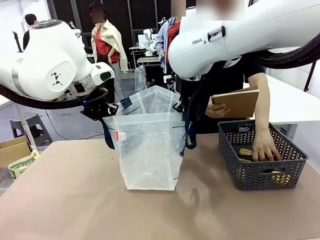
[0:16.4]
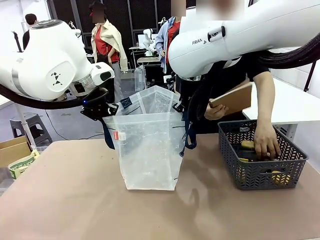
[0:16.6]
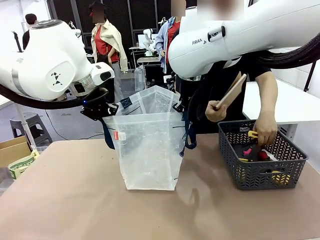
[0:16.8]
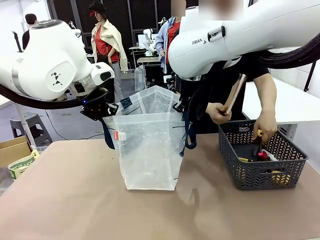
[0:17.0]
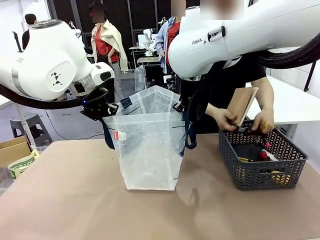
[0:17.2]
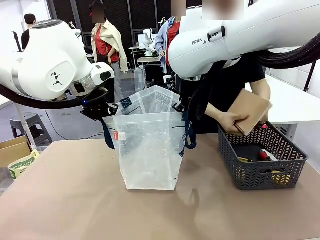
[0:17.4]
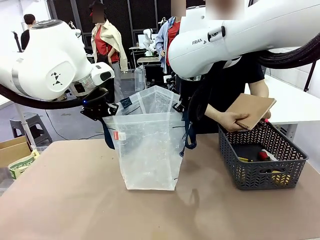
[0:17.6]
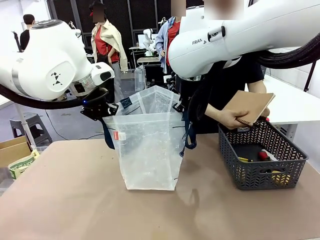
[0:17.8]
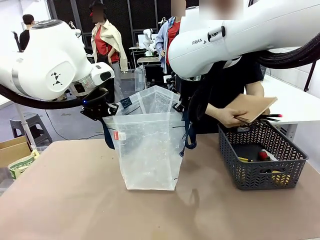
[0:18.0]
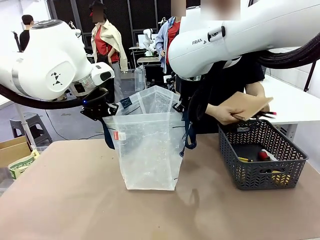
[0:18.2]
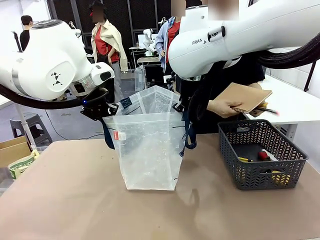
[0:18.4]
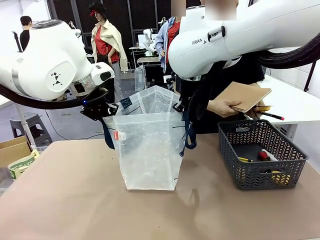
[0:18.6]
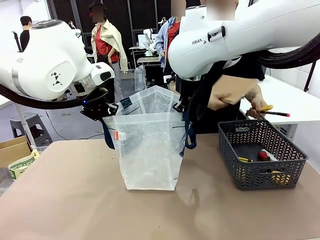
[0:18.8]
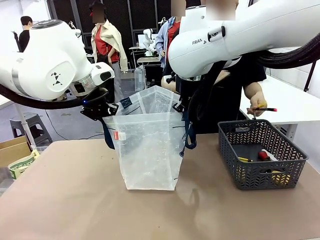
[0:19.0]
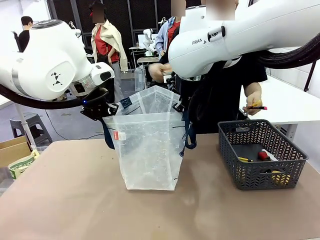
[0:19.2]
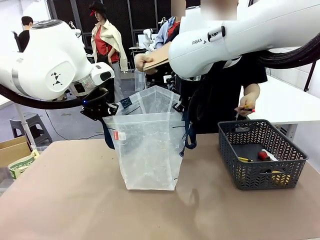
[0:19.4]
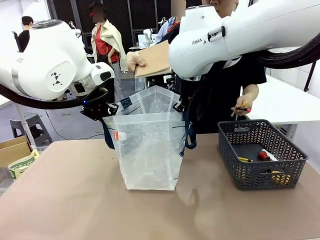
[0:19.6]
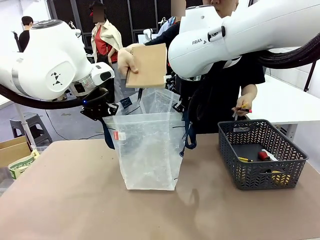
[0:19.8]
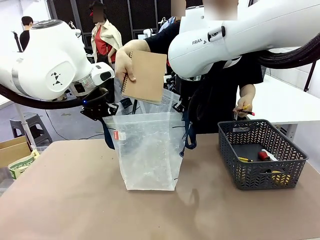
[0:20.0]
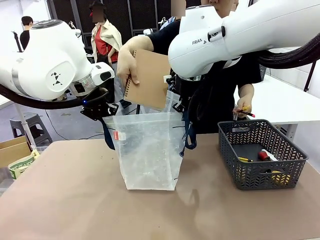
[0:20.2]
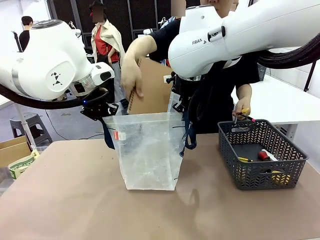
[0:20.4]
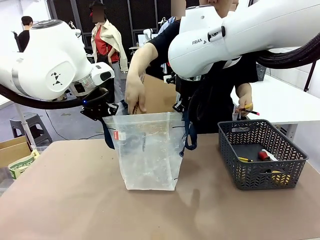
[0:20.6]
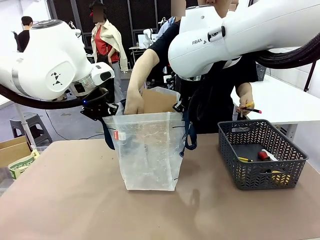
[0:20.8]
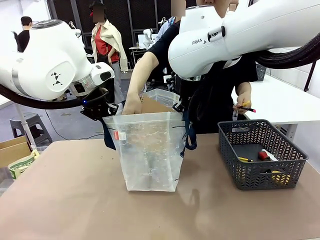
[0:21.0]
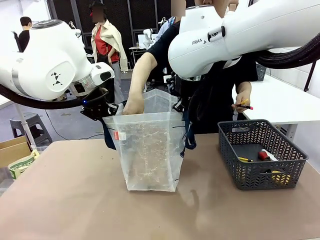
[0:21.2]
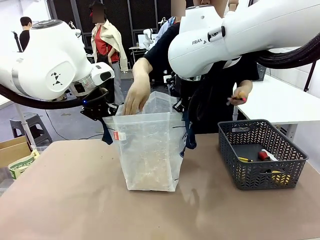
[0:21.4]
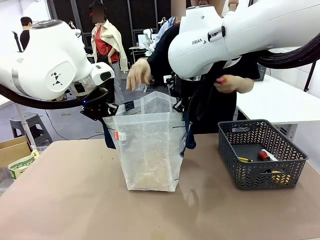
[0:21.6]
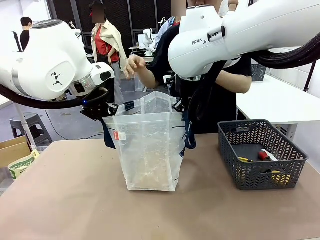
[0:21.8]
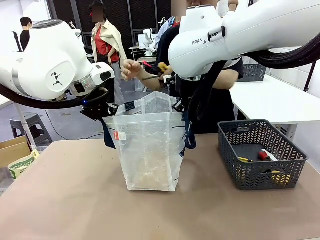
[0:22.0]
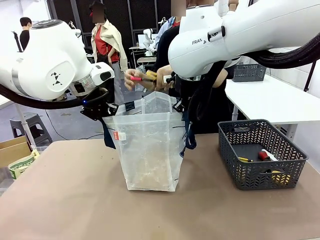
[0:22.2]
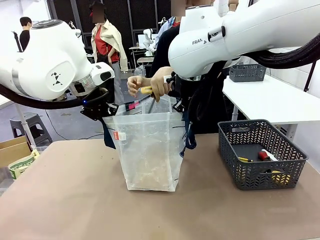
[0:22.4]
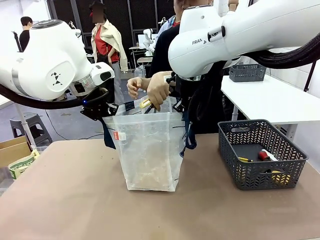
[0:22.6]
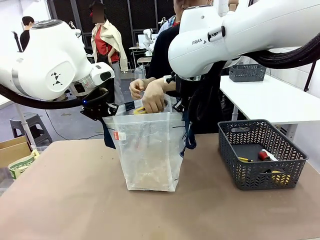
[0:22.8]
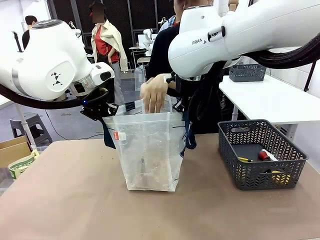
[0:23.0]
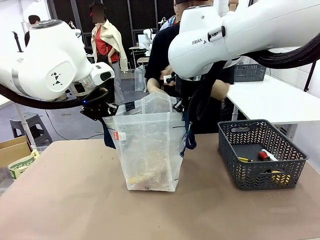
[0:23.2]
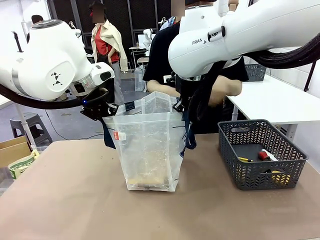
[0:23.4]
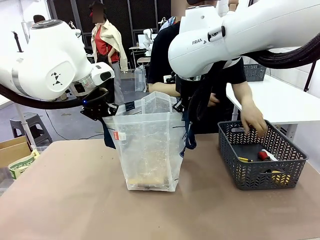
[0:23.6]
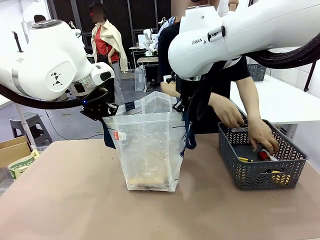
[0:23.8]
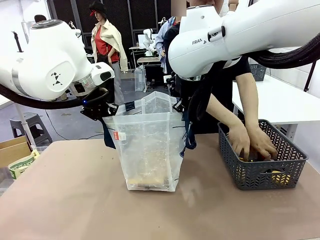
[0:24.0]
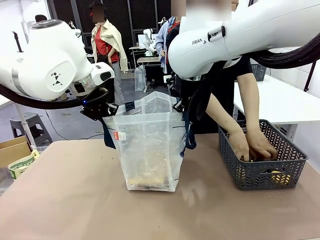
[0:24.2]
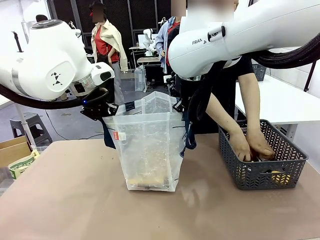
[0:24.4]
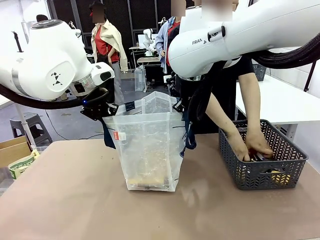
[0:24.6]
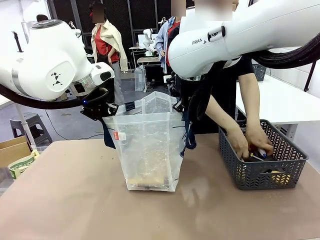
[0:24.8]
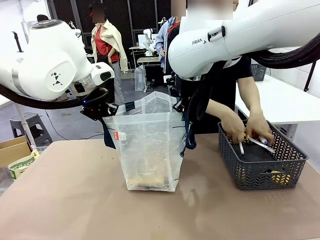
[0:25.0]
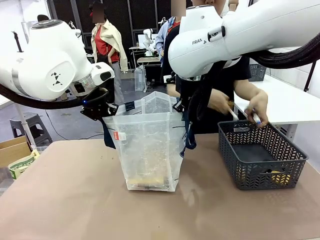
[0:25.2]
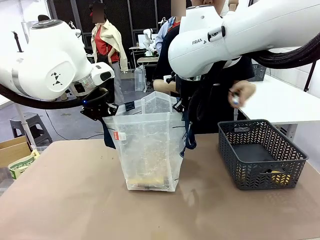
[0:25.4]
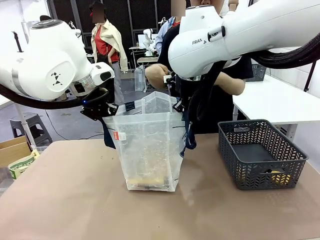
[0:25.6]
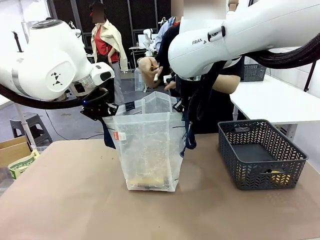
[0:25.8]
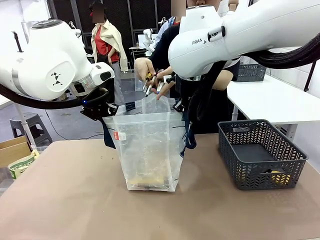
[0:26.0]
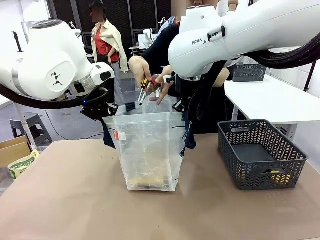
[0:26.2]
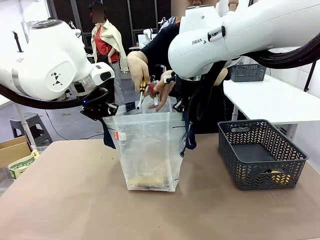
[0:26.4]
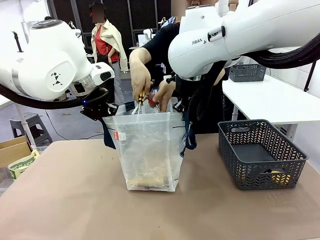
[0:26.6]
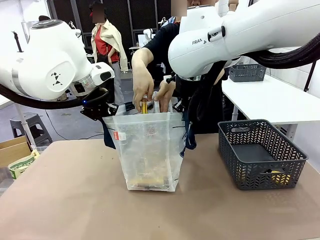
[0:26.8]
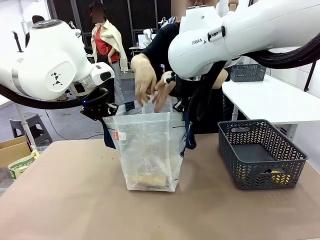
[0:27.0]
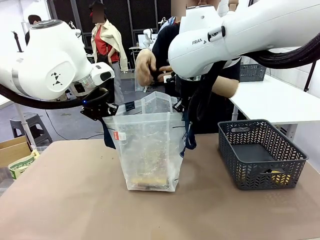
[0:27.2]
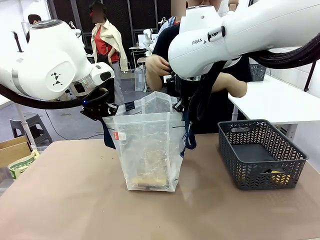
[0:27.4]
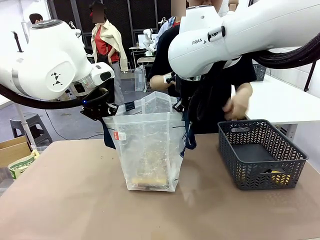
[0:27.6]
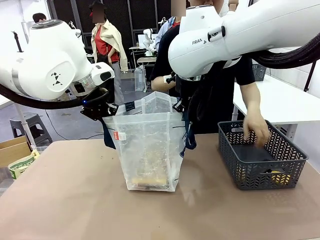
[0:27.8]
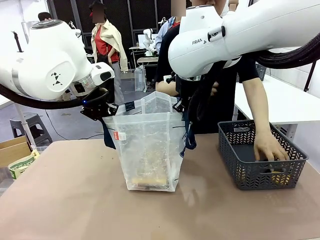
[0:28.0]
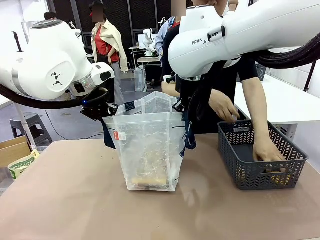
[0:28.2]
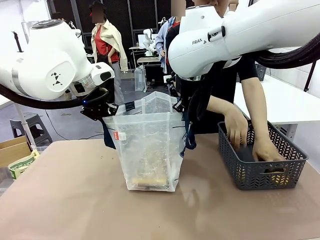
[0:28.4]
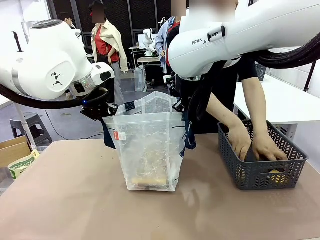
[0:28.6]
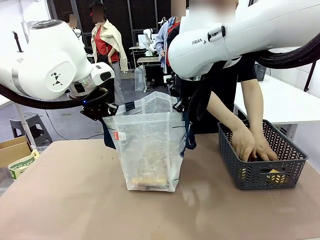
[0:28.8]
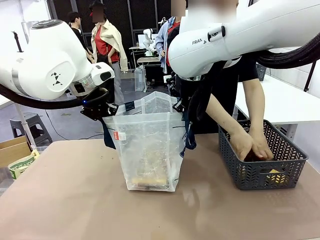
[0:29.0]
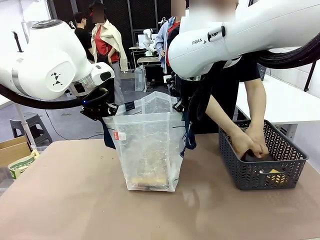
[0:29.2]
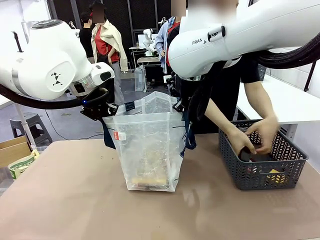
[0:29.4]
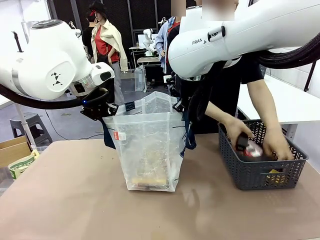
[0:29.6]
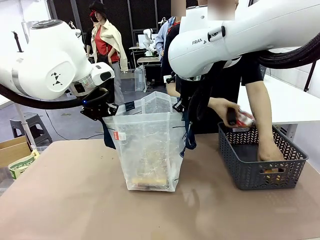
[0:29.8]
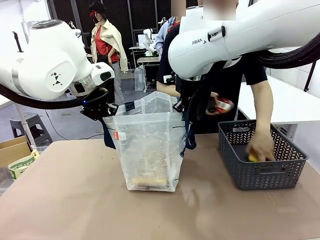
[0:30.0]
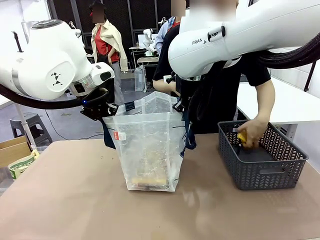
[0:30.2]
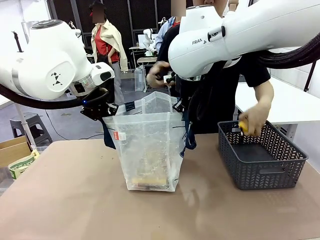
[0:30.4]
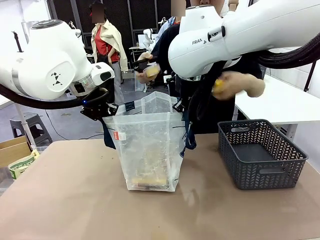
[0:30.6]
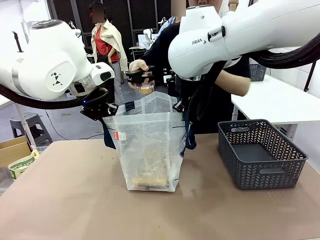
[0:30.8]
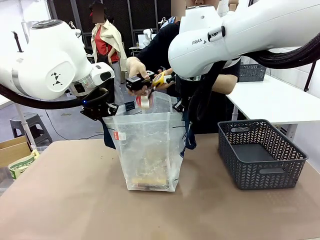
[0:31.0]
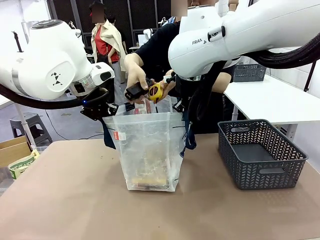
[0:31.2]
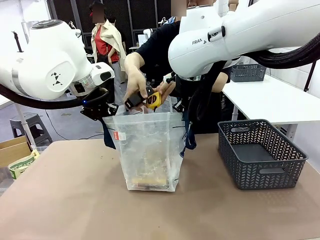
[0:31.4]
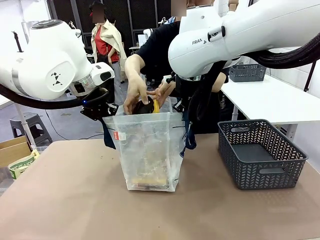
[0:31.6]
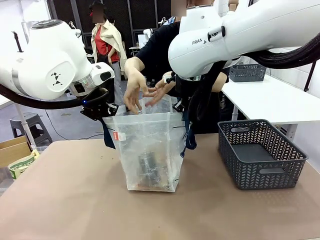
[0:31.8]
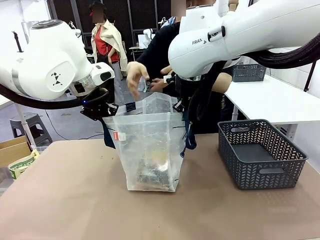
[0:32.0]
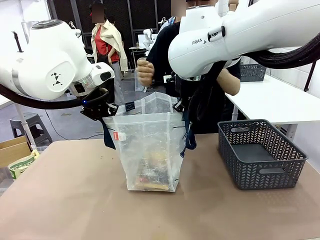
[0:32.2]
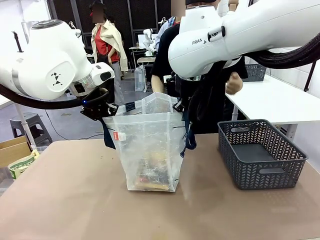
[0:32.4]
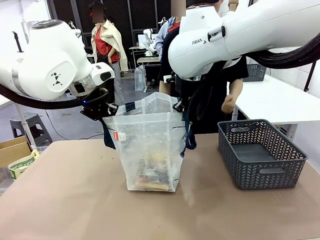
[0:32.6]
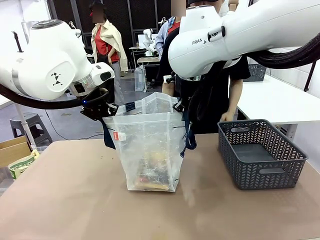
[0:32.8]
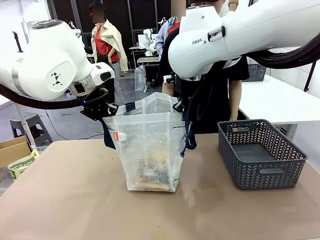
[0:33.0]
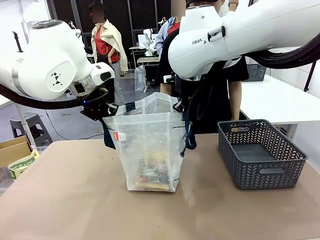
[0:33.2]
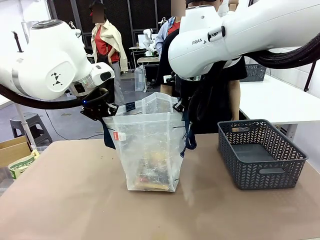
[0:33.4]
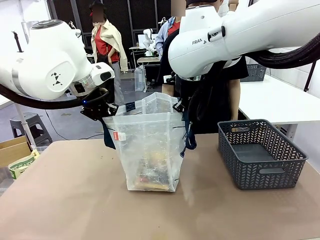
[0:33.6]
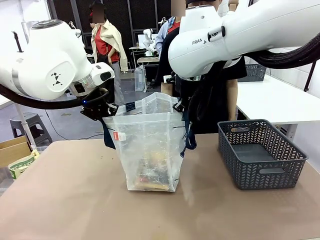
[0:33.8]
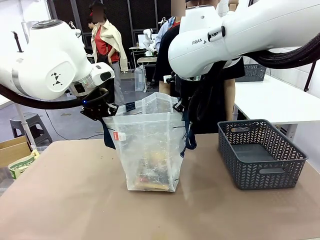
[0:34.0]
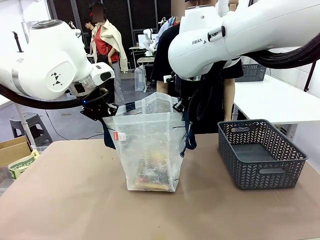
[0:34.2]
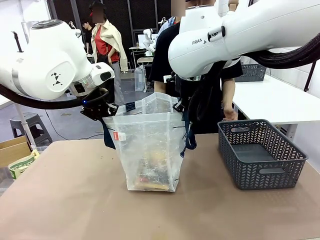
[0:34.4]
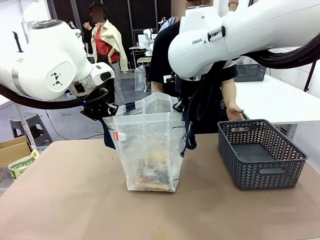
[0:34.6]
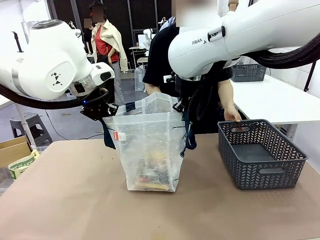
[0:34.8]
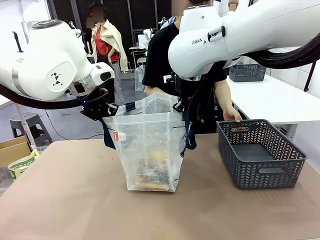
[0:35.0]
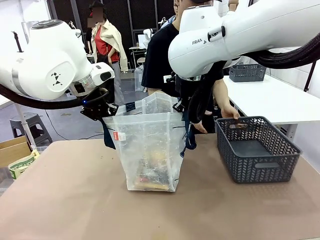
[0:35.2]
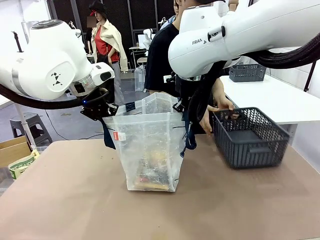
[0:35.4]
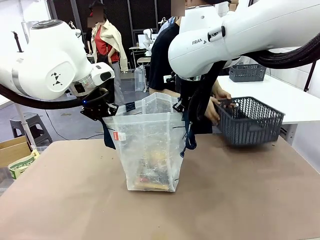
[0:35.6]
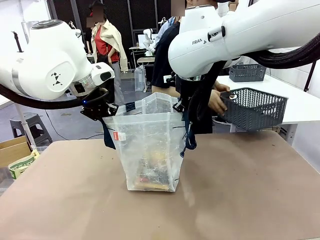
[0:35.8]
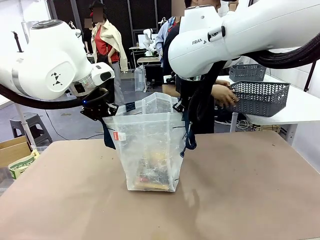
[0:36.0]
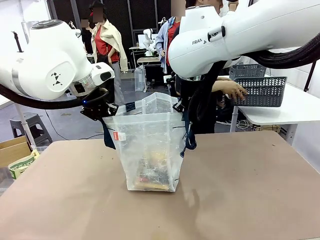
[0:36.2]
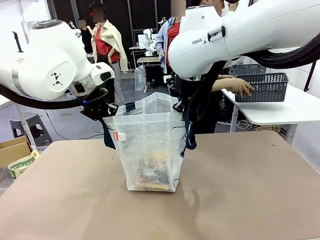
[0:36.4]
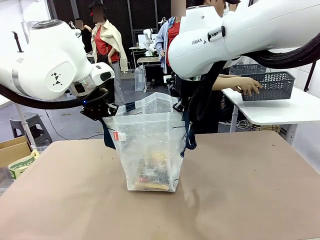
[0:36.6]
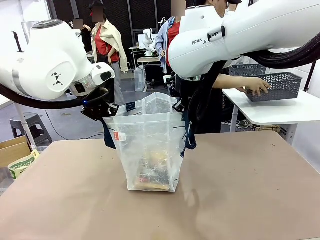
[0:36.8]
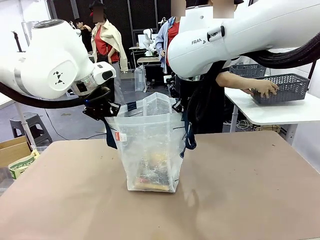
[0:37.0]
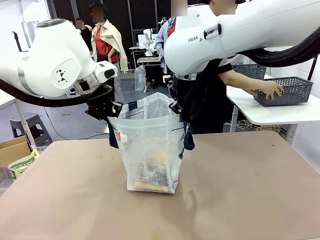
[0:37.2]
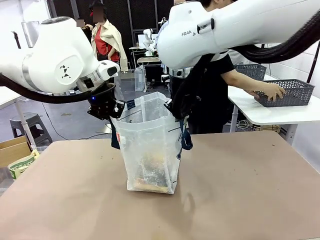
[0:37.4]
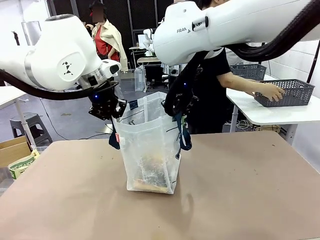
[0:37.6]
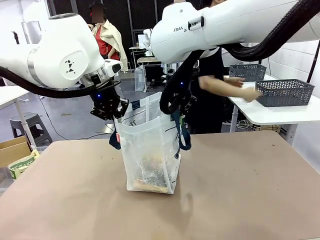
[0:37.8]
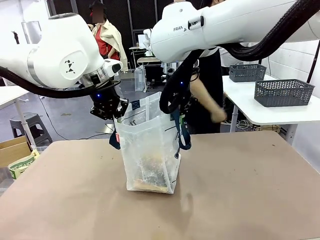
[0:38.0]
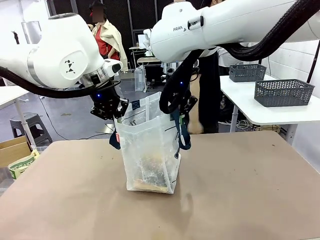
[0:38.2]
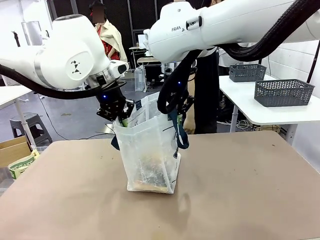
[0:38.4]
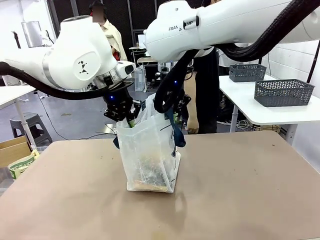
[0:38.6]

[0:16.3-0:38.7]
Task: Transfer purchased items from the store into the shopping bag.
Robot: Move the Reusable shopping bag to the right side of the table.
Person: Pick up the basket on the right, place it on the left side of the robot table, and move the items in the basket to the shopping bag. Pick up the basket with the items out and place it on the right side of the human table.
